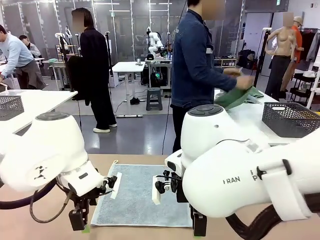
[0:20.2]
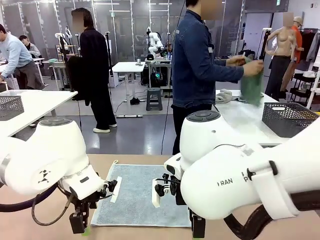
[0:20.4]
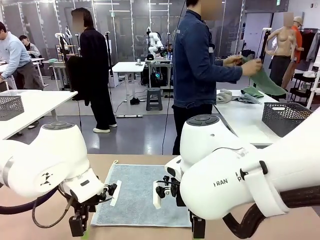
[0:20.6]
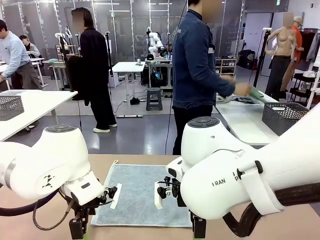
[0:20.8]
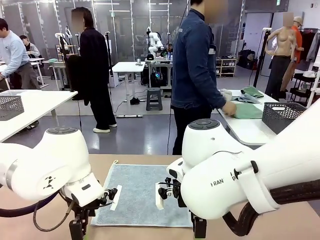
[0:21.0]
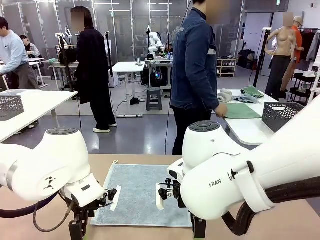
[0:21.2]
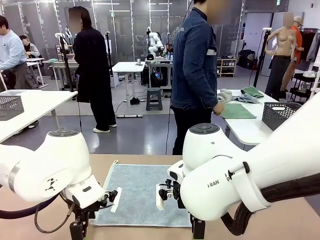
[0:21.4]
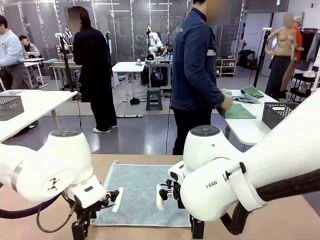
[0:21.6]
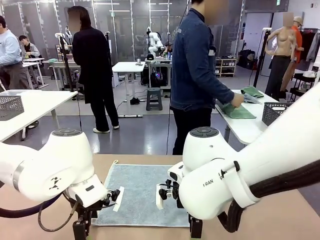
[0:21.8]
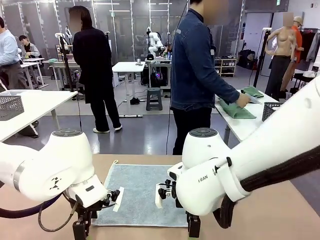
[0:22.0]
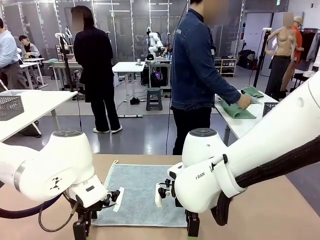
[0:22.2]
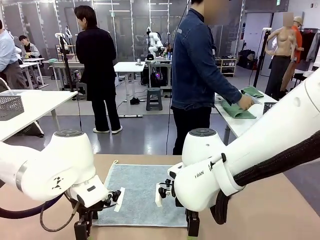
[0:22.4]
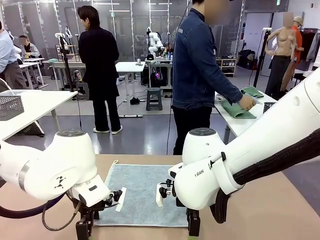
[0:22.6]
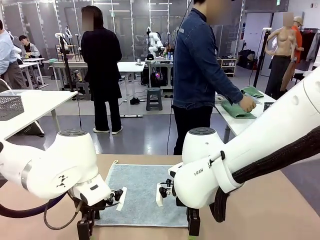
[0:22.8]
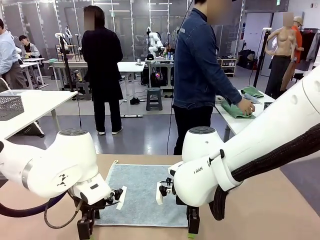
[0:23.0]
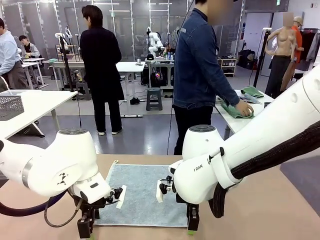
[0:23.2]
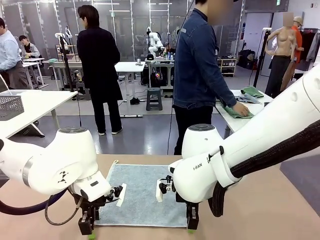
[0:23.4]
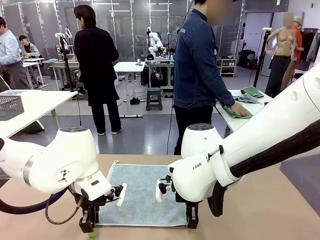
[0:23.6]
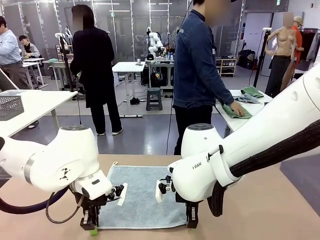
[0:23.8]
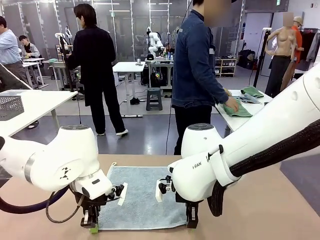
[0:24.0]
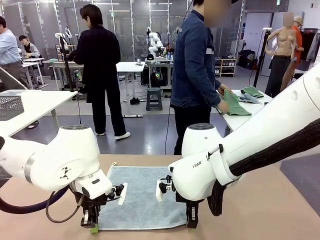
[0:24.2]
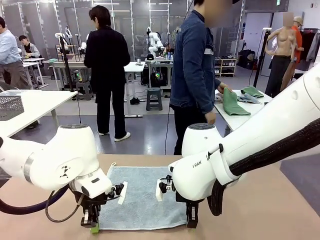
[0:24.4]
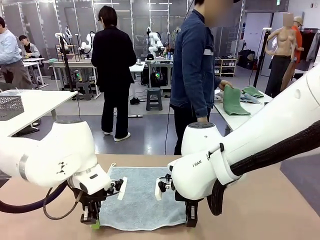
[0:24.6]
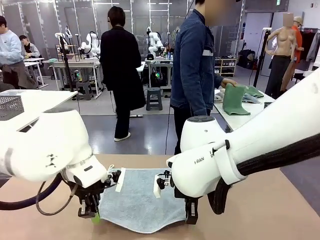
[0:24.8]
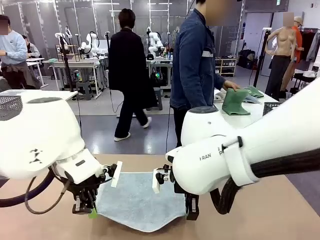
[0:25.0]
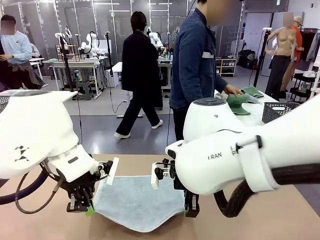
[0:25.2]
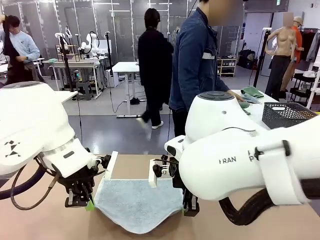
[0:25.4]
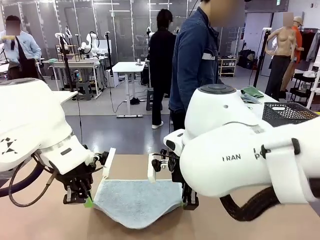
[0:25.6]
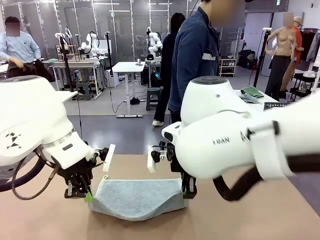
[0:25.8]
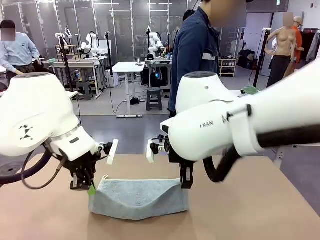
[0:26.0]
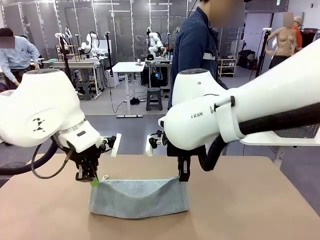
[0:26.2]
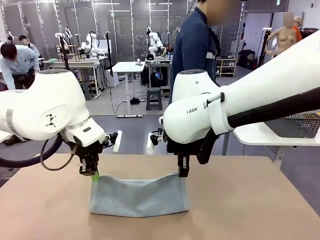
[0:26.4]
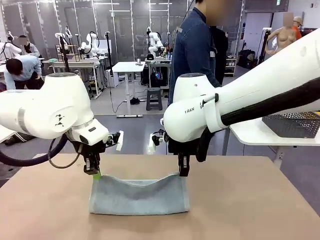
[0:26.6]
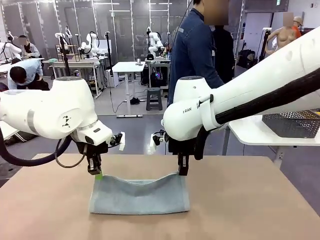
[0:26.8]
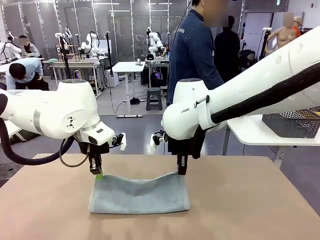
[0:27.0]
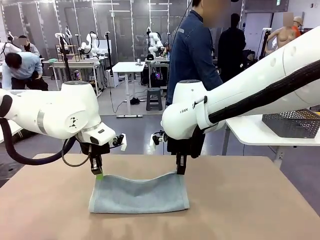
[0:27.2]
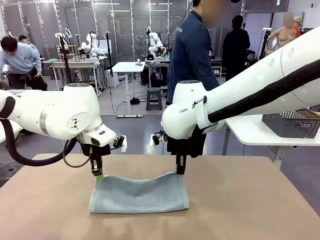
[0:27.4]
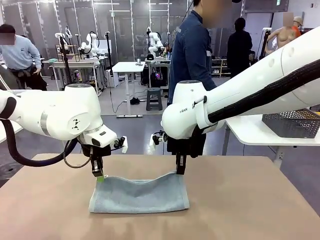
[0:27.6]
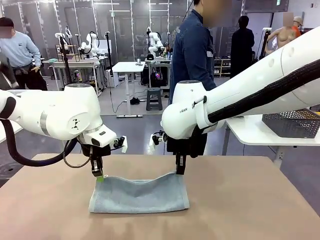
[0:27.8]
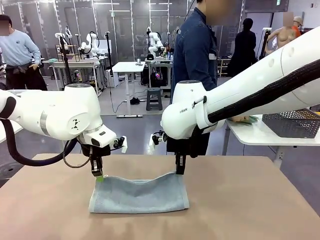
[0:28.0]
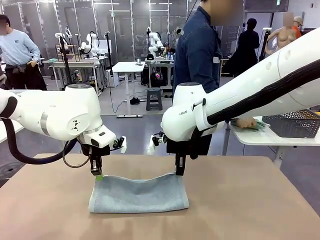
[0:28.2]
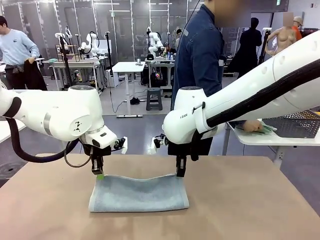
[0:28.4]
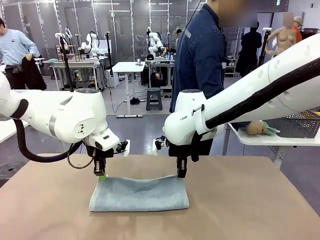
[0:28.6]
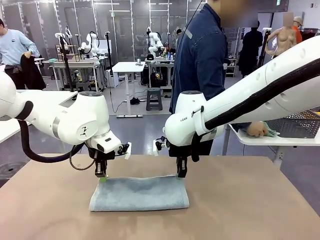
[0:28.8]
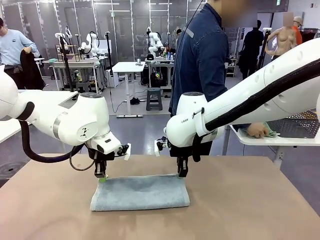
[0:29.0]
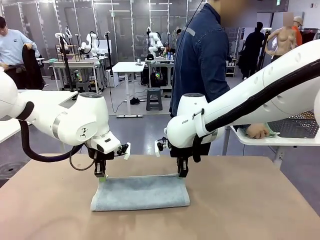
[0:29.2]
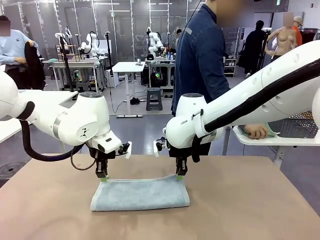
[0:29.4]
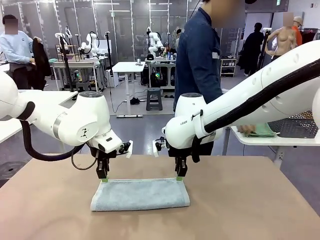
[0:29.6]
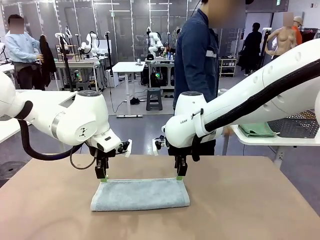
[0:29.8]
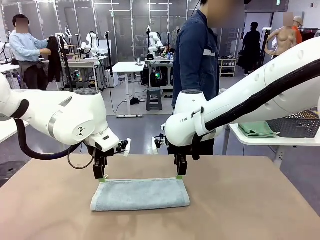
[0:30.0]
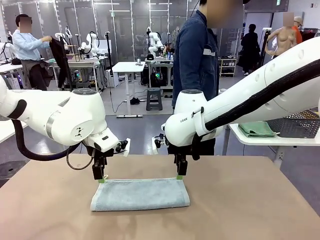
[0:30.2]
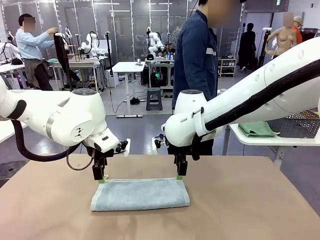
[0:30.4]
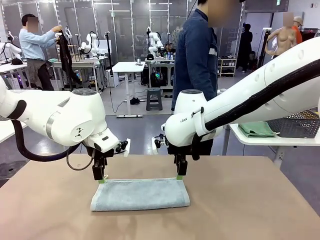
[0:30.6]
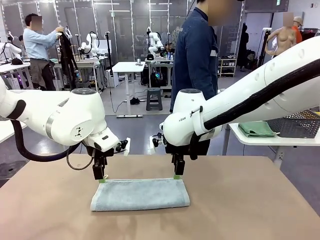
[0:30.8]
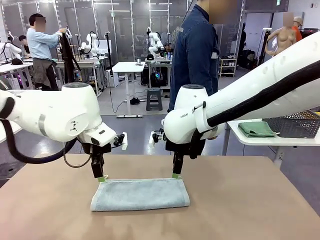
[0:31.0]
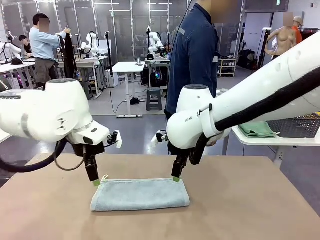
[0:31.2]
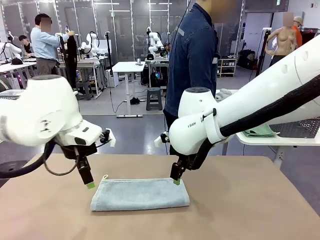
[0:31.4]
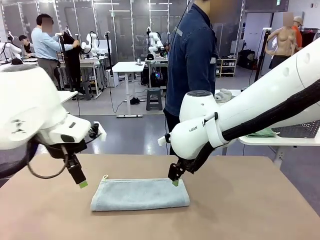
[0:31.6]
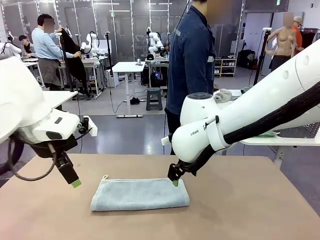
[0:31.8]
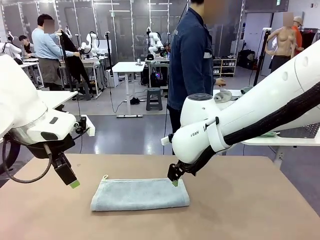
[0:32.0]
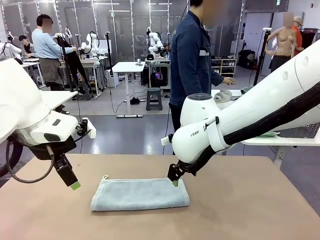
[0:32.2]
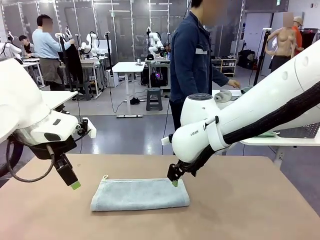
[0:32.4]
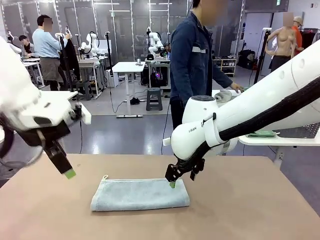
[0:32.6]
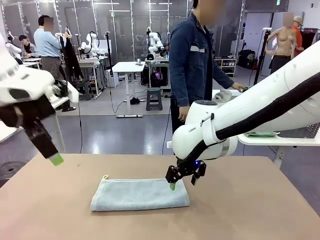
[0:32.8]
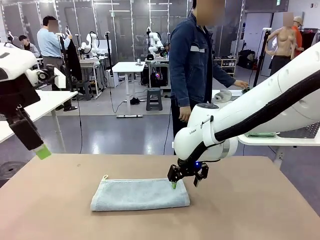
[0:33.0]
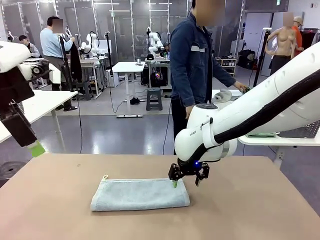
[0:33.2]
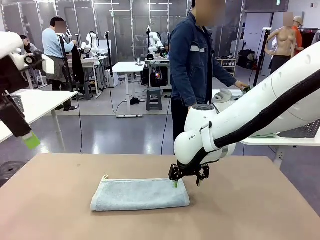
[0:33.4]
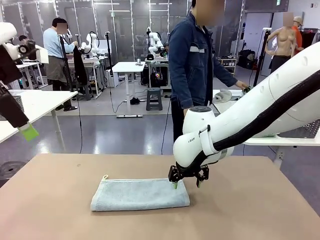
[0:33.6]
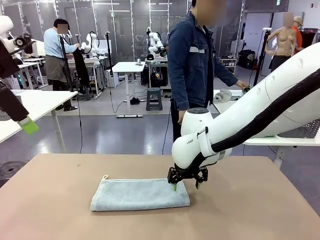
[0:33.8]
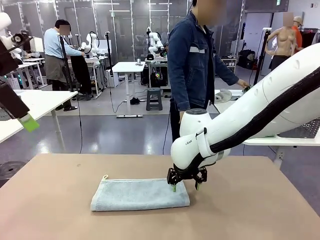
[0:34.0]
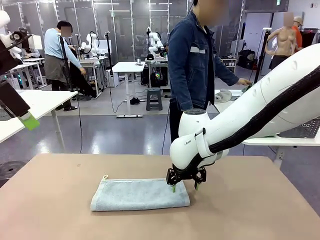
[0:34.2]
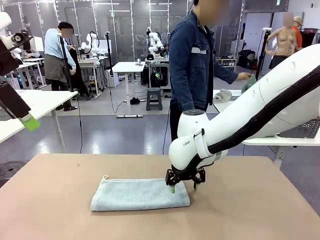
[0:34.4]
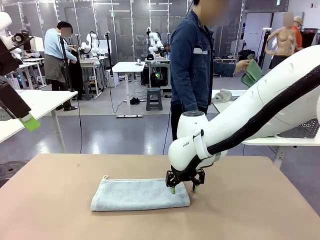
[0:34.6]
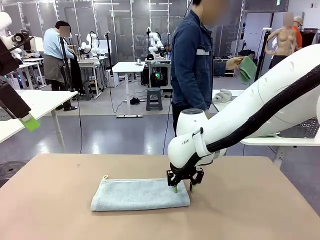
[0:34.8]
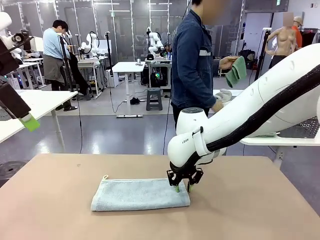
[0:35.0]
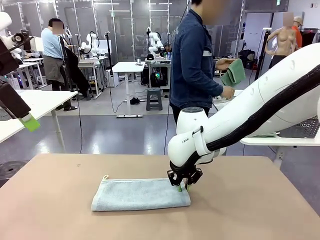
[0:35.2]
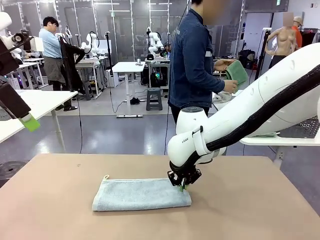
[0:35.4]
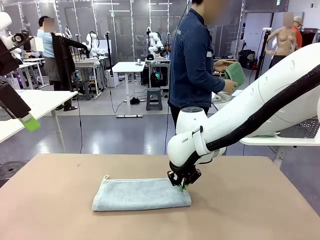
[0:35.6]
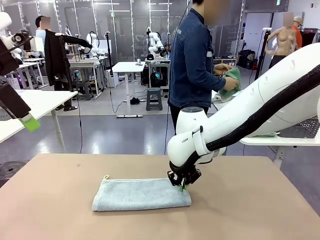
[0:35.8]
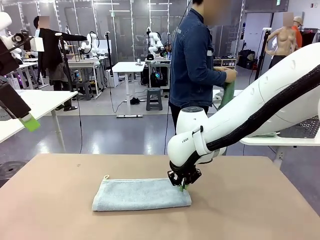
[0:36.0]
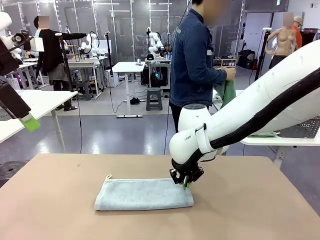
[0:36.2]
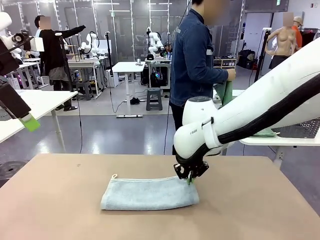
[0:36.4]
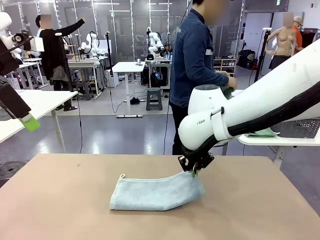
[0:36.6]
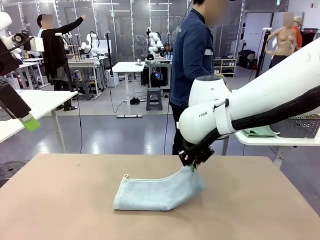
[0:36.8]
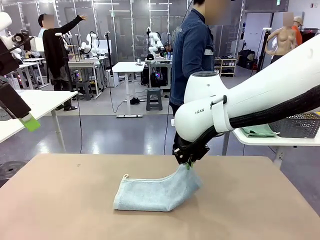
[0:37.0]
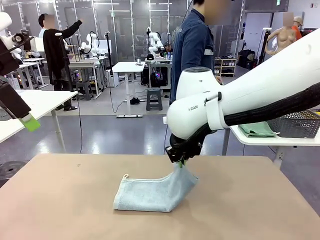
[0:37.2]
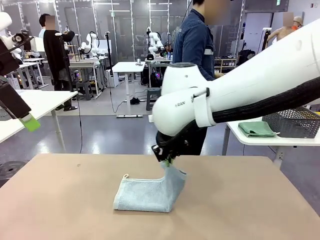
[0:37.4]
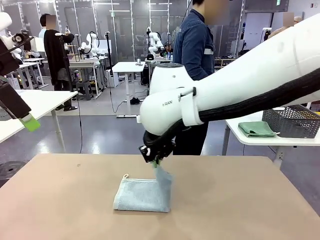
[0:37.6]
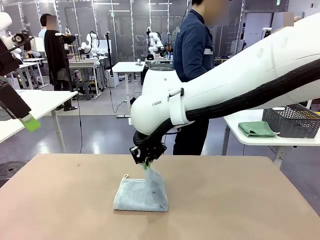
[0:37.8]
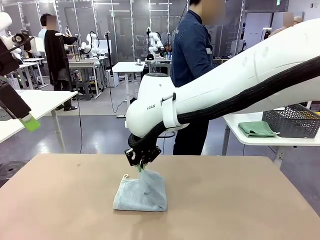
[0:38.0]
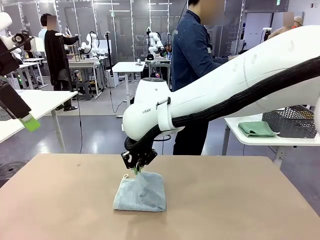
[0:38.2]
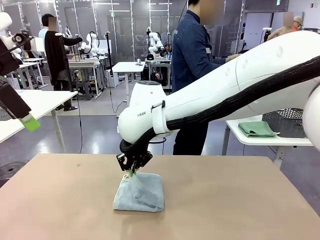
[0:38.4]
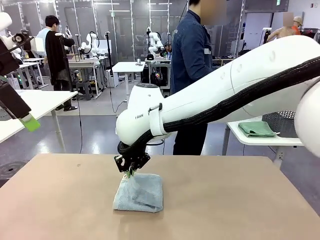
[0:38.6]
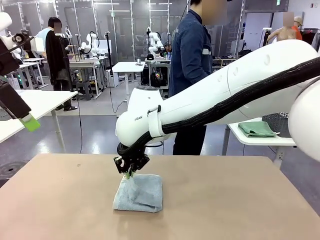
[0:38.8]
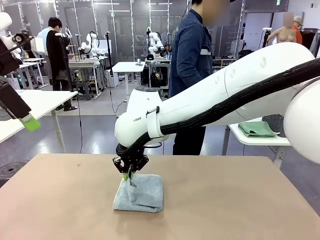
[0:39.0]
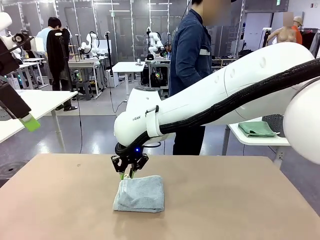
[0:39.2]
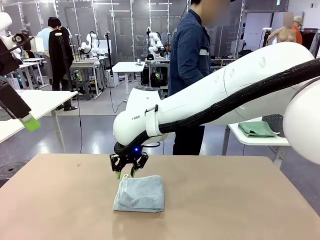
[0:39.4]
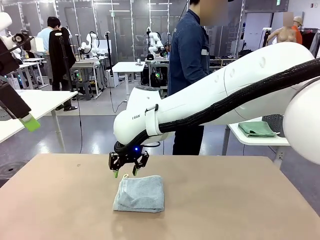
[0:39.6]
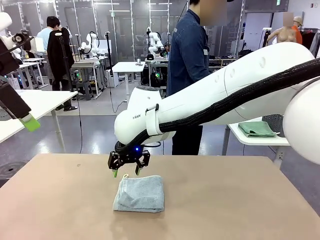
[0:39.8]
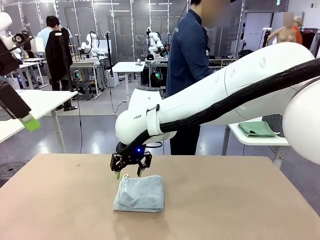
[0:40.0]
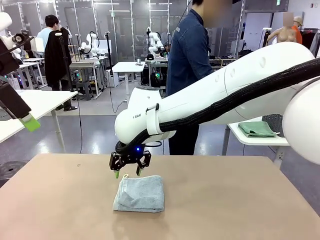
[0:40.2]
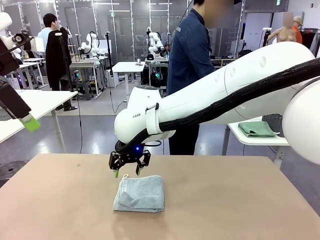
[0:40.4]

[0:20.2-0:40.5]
Task: Fold the towels and place them in the basket.
Robot: When a person lays out a Towel with hook on the table, fold it in half twice.
Person: Pick up one towel from the left side of the human table, fold it in half twice, and place it on the right side of the table. Pick up one towel from the left side of the human table, fold it in half twice, and stack it on the right side of the table.
